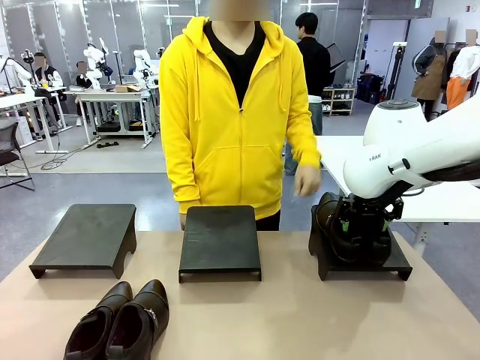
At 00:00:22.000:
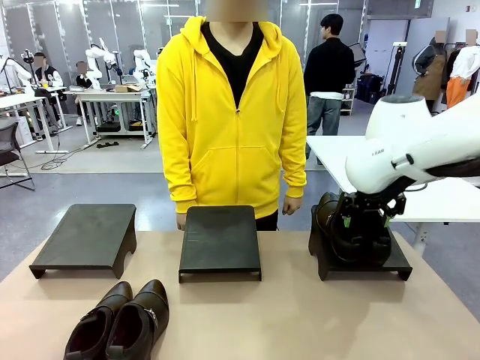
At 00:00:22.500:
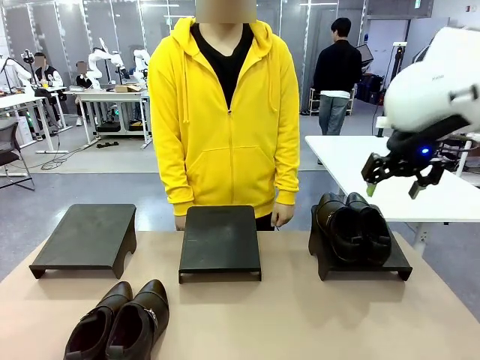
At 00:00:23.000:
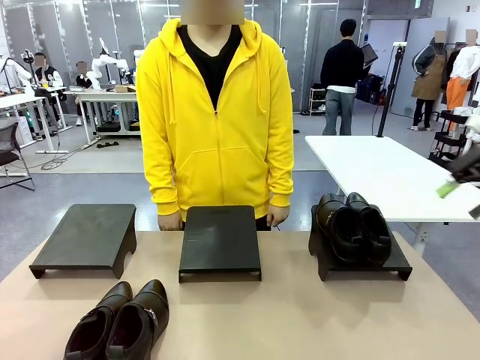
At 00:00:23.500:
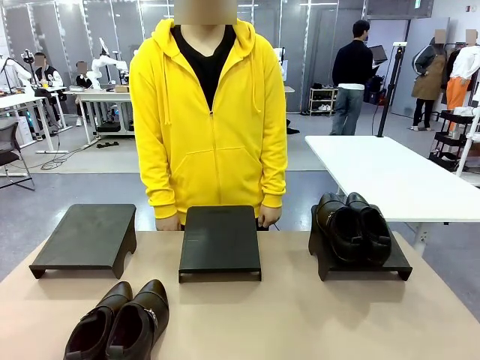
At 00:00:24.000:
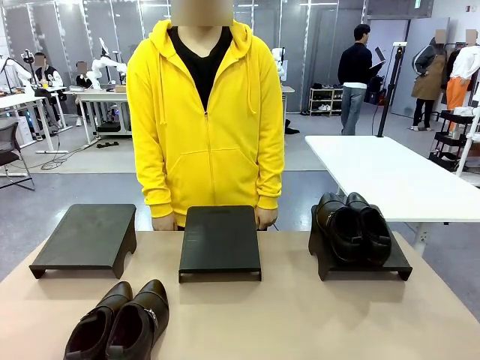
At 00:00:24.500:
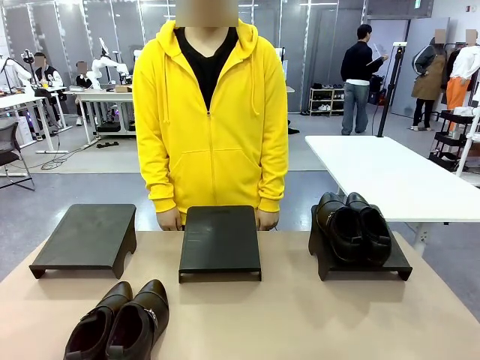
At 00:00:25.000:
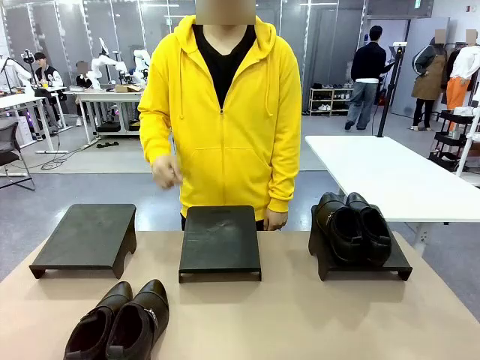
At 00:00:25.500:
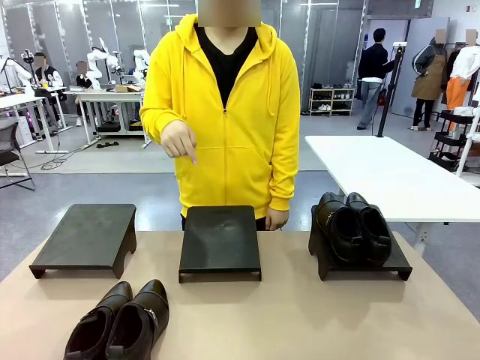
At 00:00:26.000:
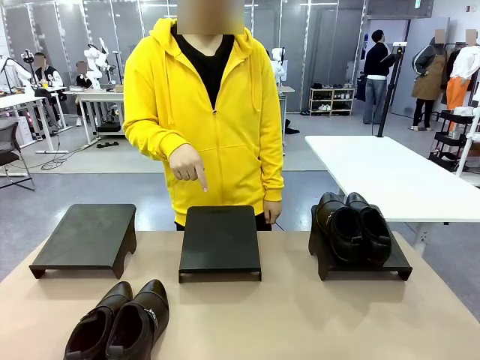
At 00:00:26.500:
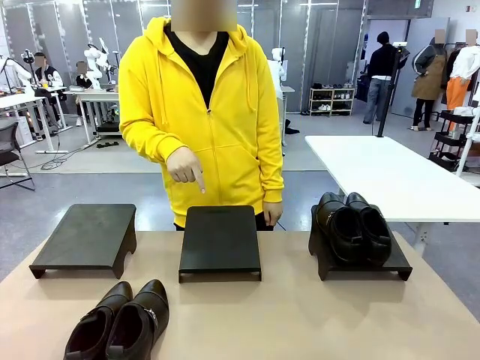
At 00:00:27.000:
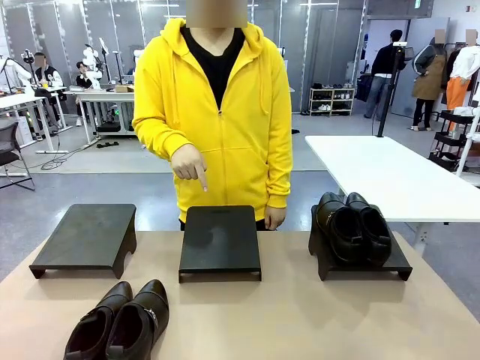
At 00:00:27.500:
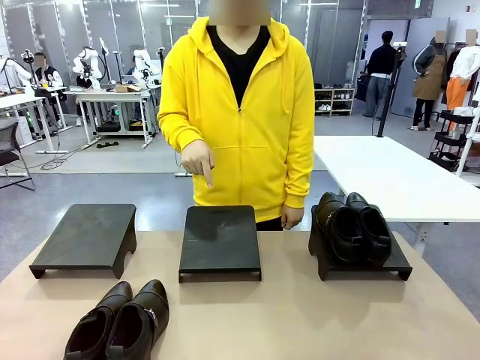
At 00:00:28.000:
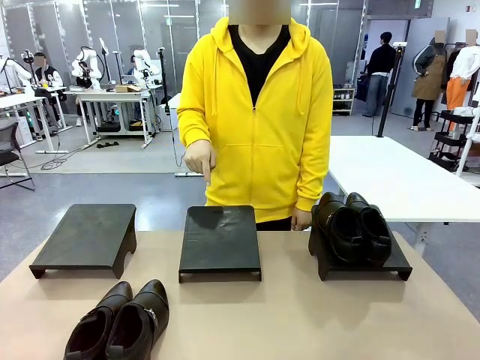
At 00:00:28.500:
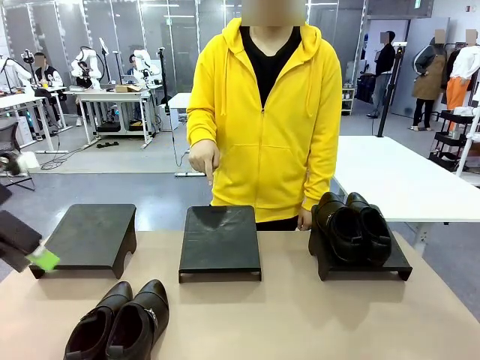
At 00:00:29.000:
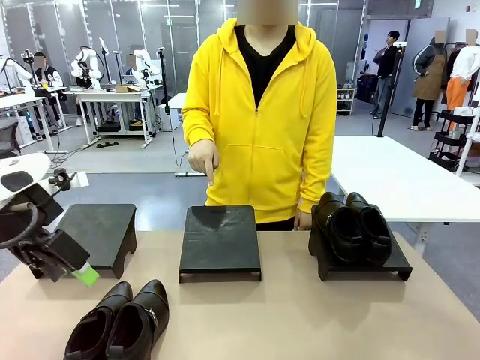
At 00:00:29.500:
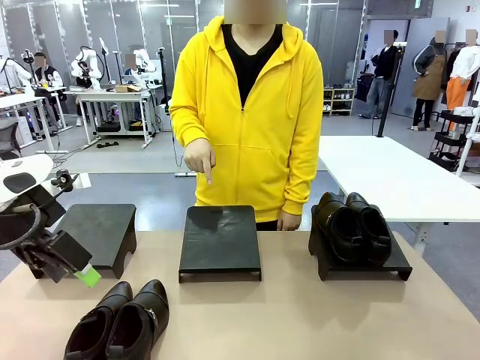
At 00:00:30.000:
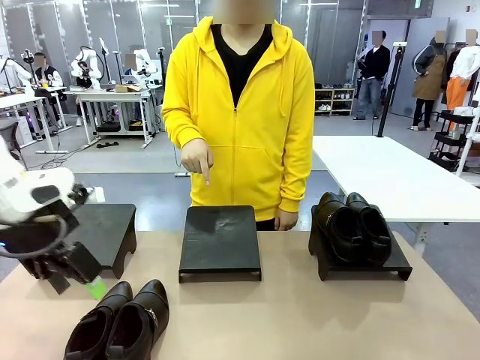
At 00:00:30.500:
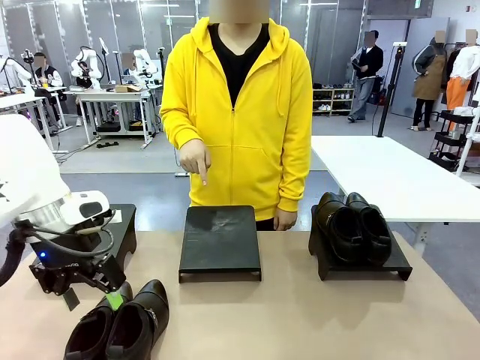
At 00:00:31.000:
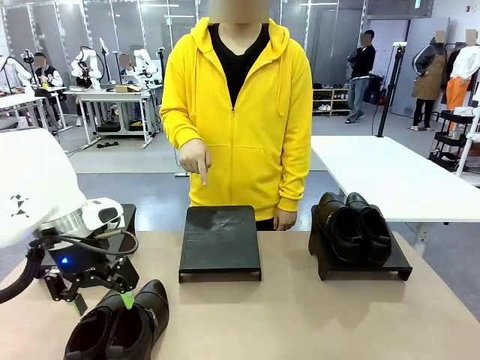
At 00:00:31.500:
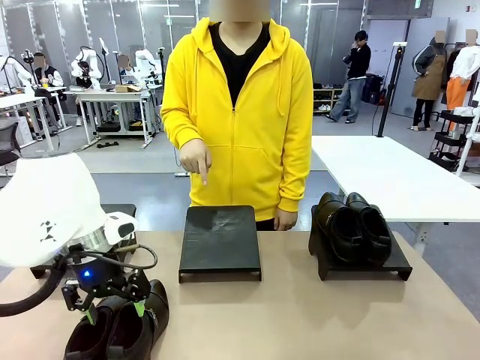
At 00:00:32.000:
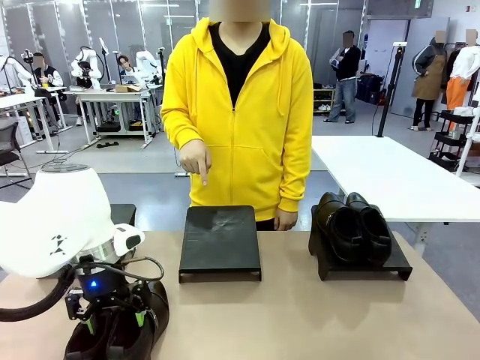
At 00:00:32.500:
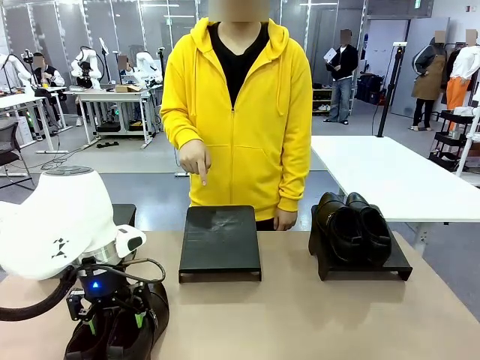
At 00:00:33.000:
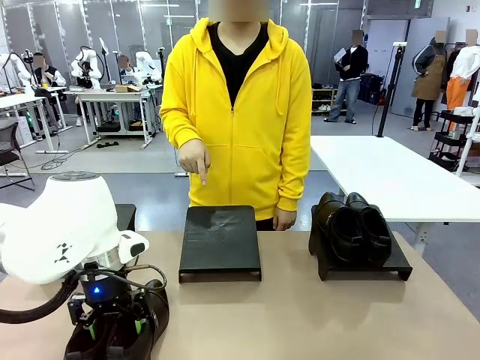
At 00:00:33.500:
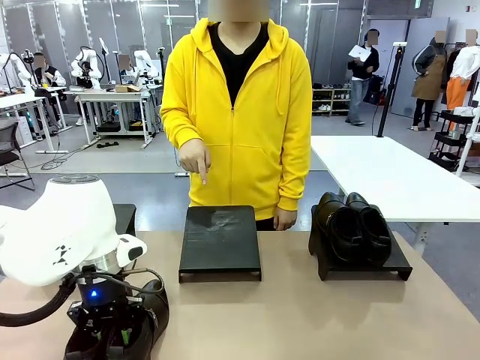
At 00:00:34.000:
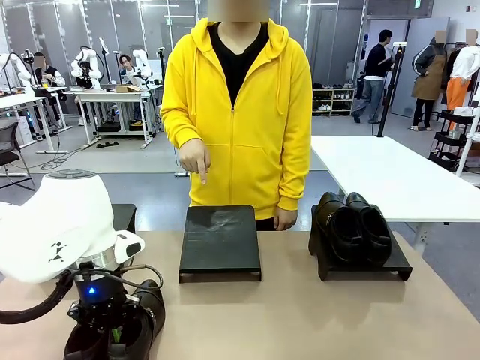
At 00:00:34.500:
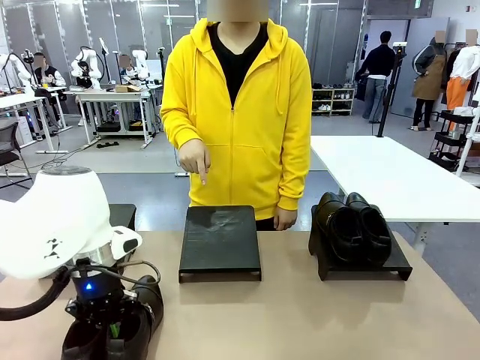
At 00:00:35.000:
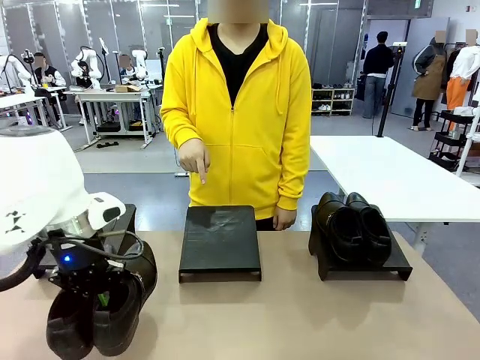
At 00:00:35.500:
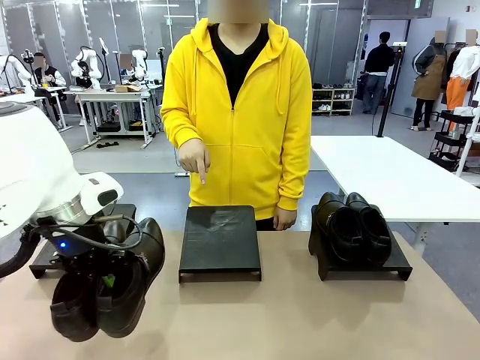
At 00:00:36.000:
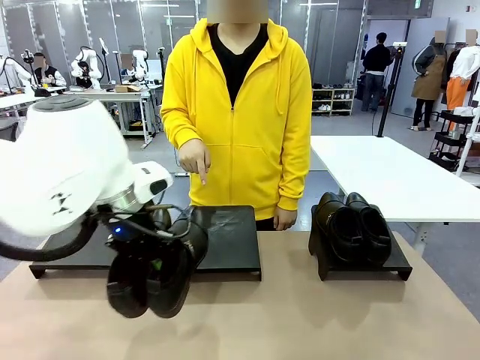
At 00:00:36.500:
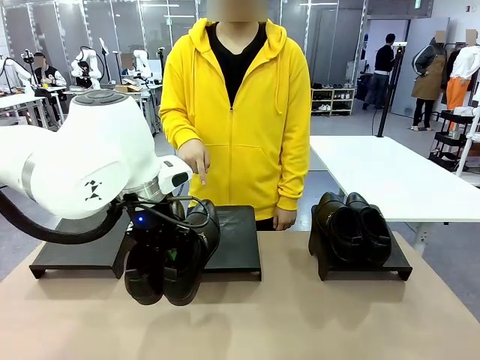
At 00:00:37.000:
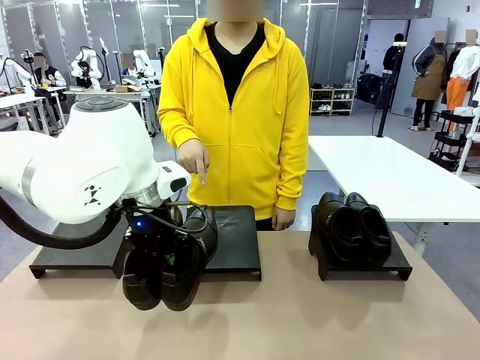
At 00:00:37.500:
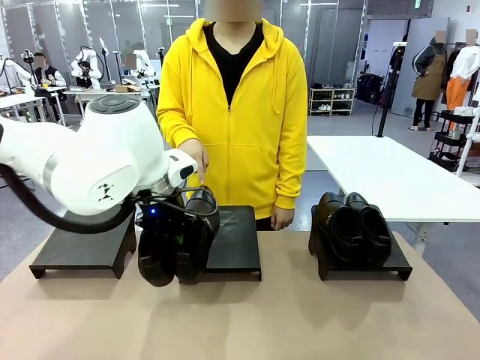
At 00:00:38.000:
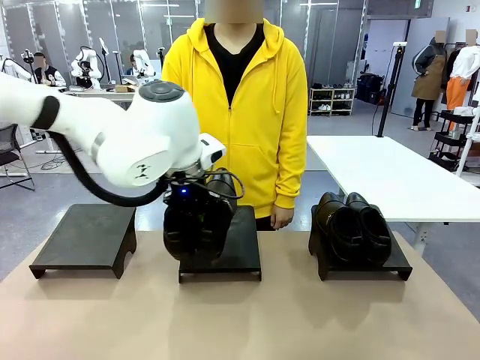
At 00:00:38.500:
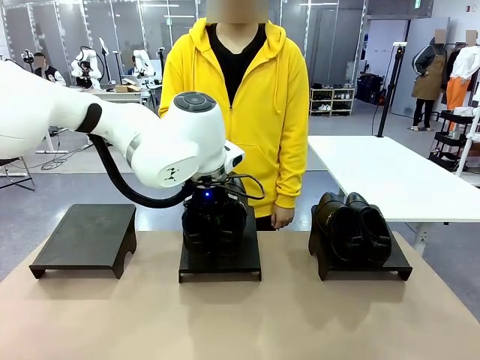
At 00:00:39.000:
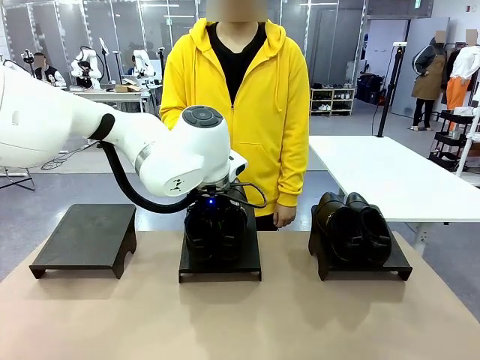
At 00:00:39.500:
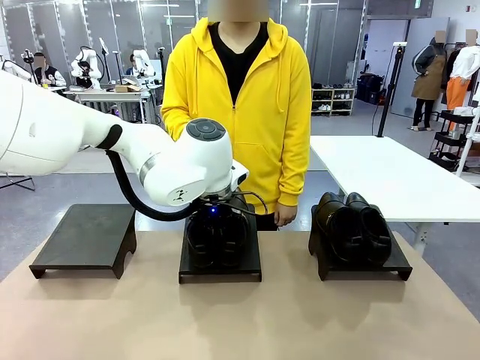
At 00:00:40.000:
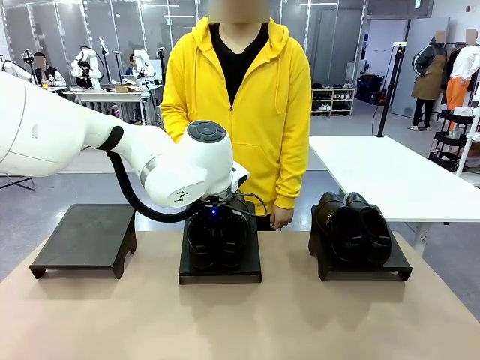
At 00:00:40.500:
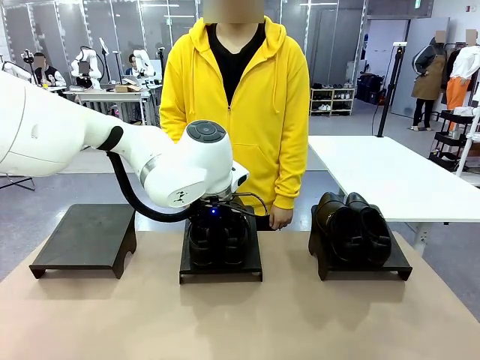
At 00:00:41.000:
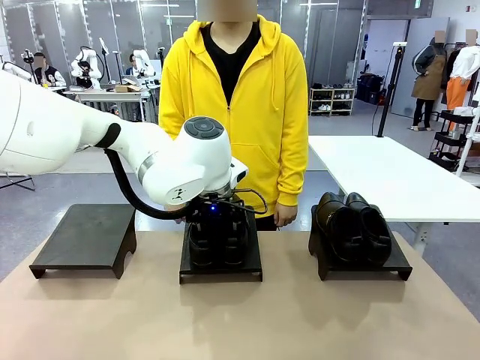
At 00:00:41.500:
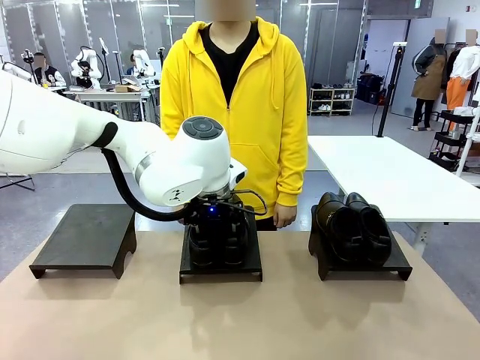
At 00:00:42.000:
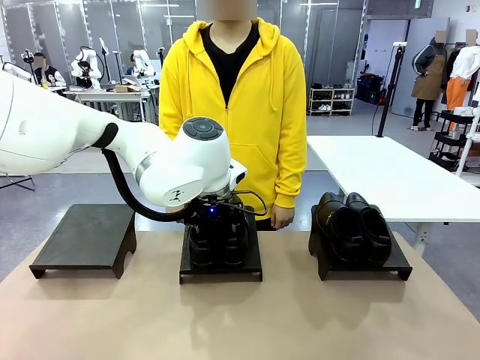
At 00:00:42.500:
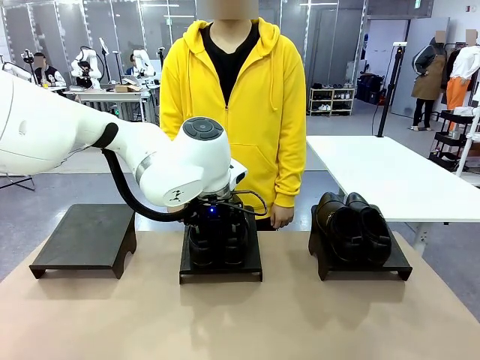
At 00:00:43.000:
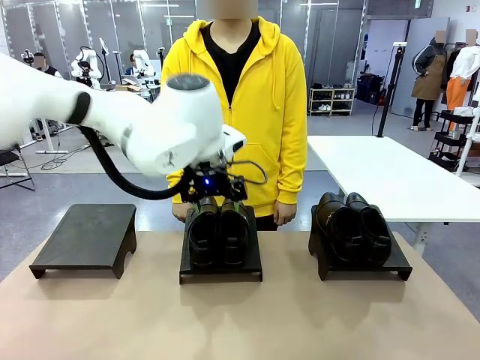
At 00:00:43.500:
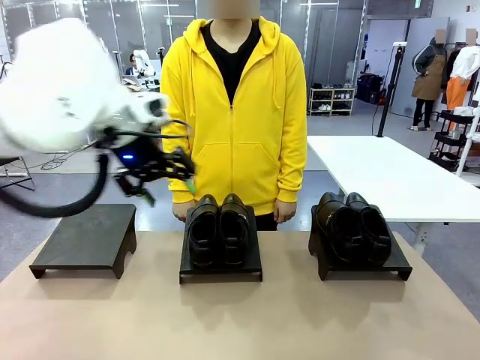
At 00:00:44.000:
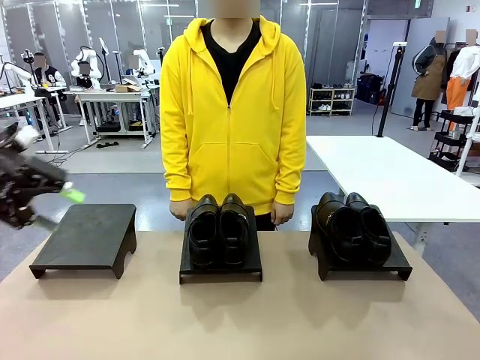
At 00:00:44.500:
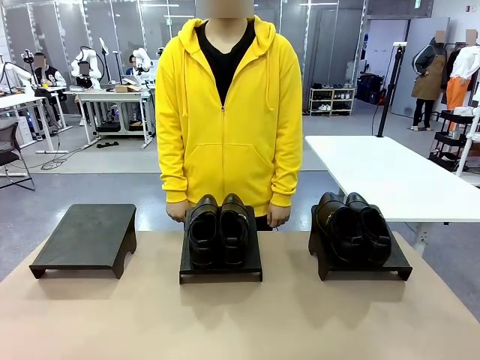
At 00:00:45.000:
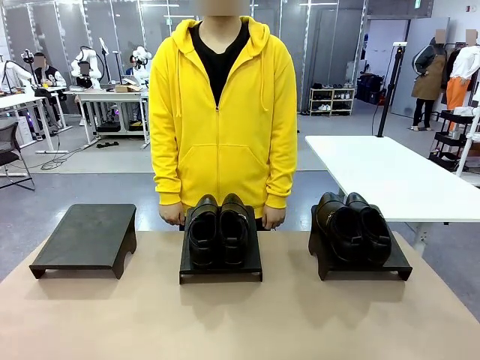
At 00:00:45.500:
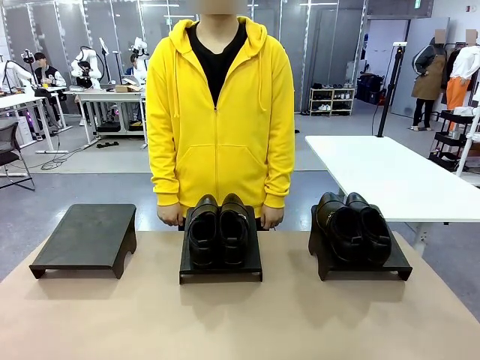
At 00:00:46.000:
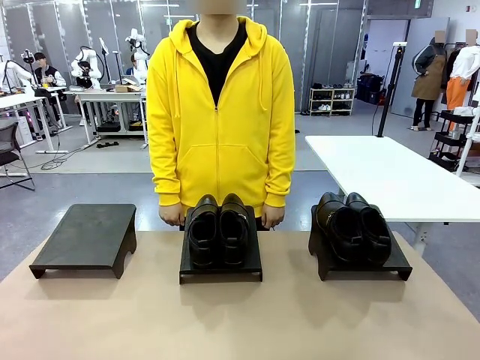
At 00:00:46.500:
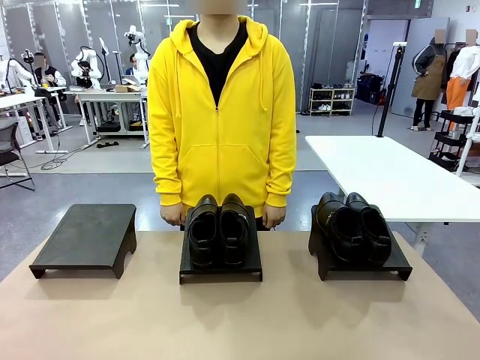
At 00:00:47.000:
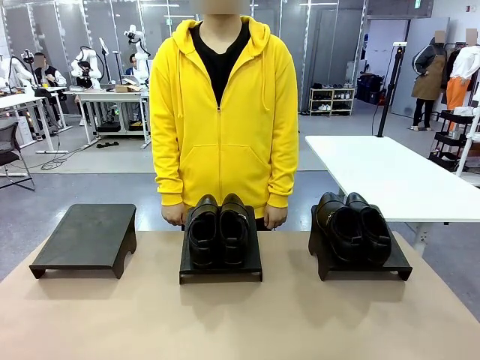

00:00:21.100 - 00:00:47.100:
Task: Place the shoes on the stand as instructed by the person.
Robot: Pick up another pair of Shoes and place it on the Shoes Stand indicated by the person.
Person: Point to one Shoes Stand.
